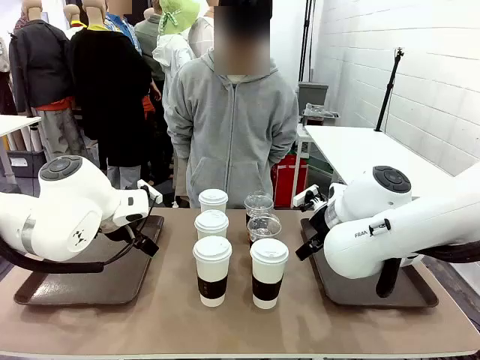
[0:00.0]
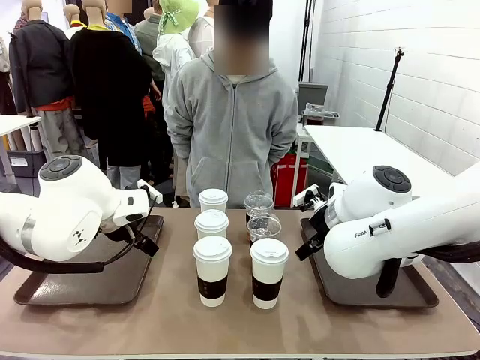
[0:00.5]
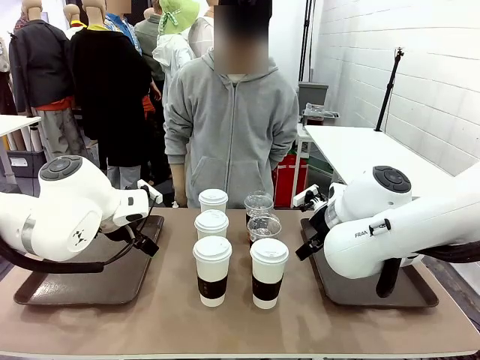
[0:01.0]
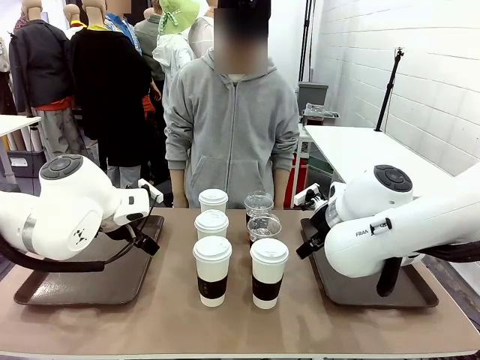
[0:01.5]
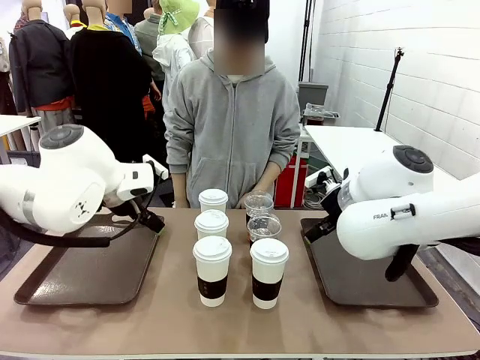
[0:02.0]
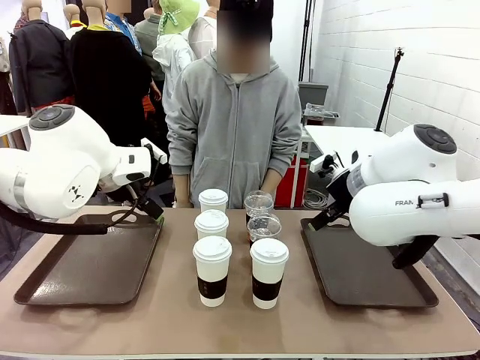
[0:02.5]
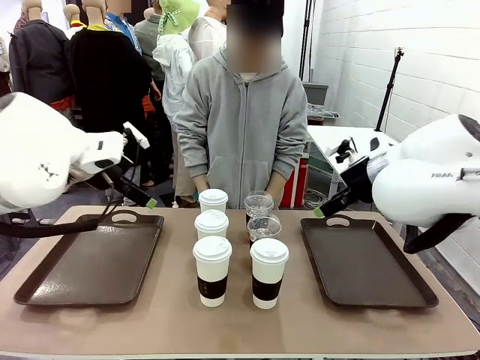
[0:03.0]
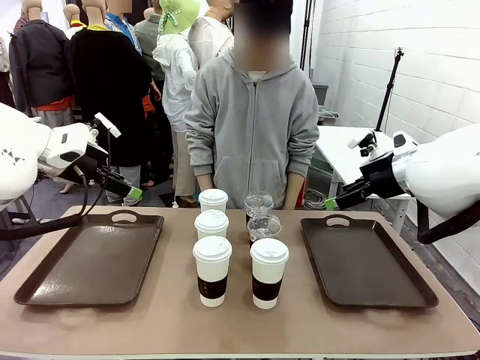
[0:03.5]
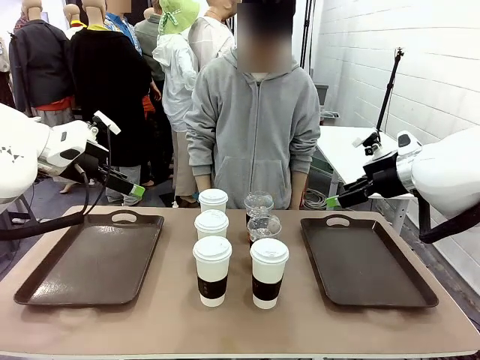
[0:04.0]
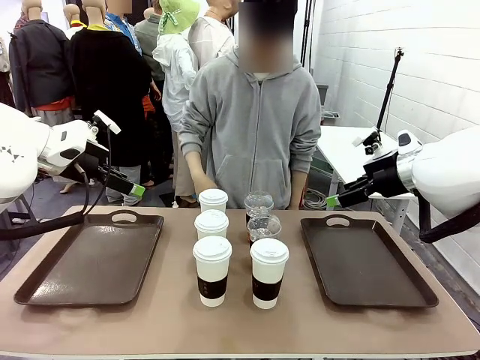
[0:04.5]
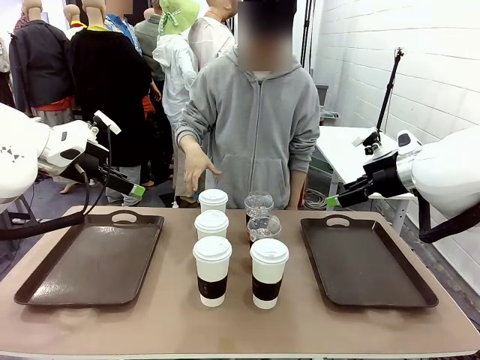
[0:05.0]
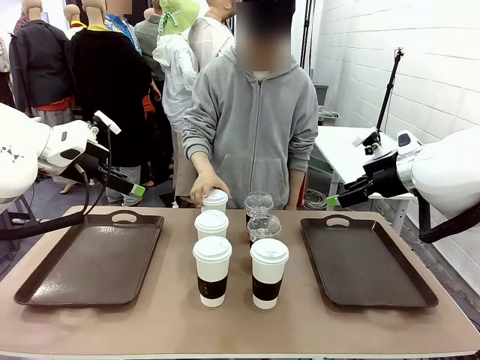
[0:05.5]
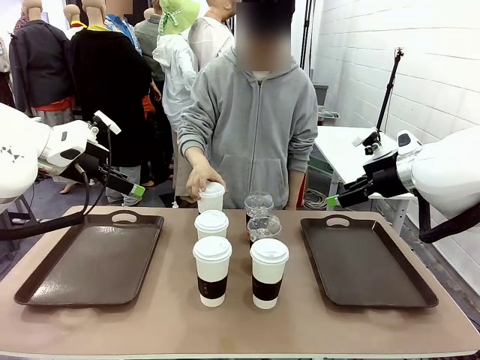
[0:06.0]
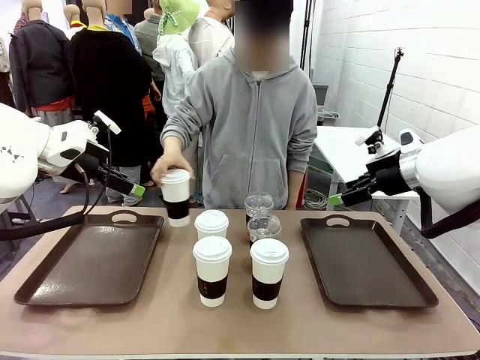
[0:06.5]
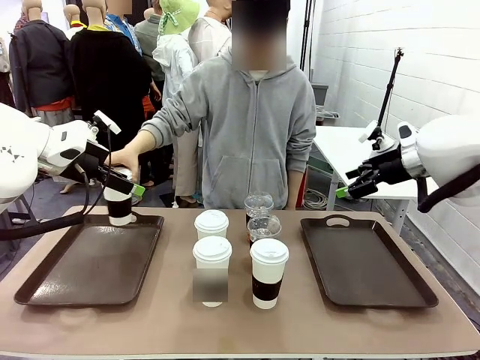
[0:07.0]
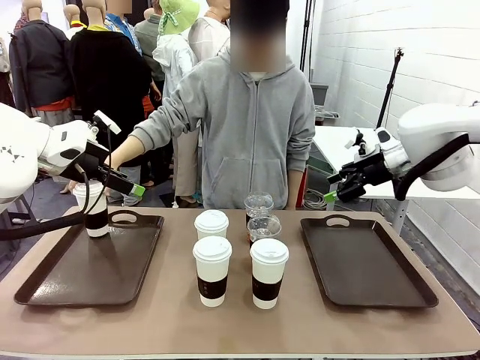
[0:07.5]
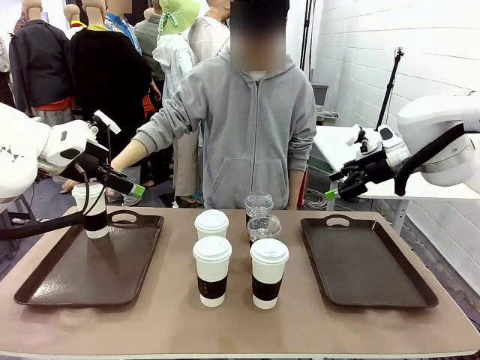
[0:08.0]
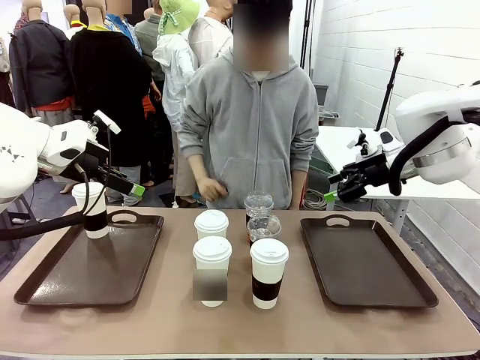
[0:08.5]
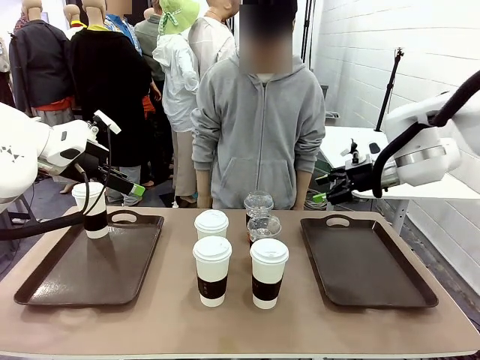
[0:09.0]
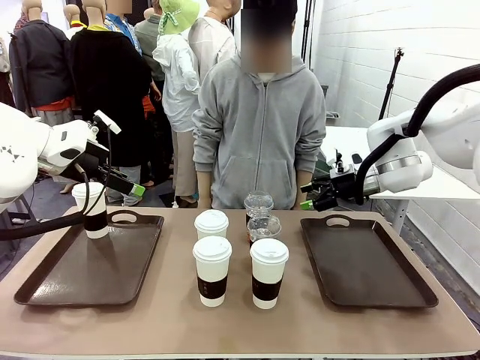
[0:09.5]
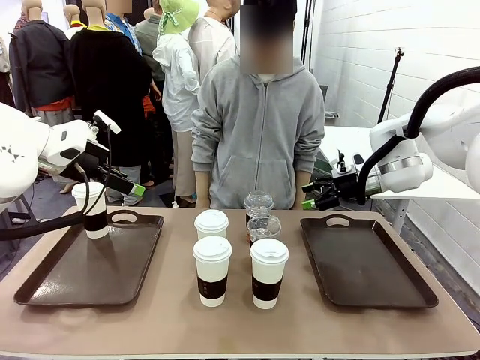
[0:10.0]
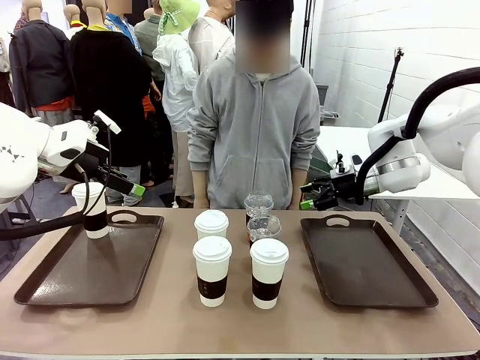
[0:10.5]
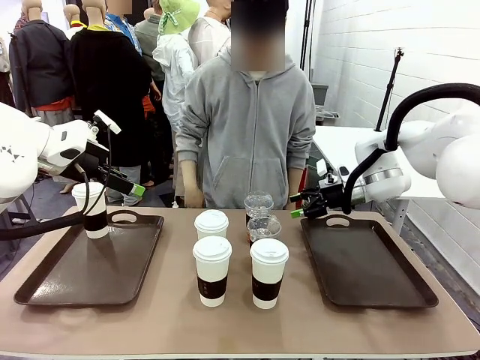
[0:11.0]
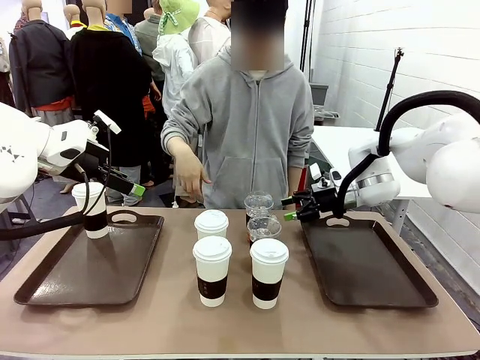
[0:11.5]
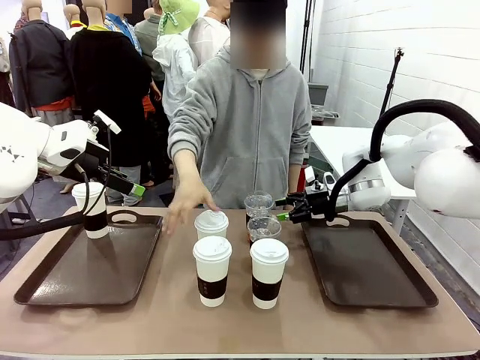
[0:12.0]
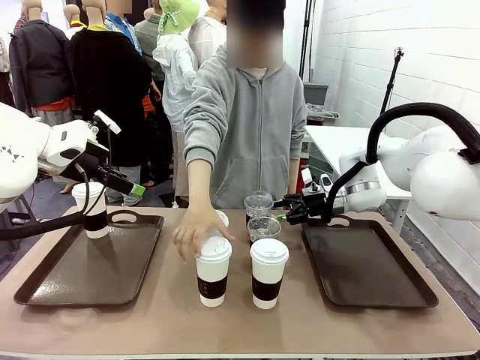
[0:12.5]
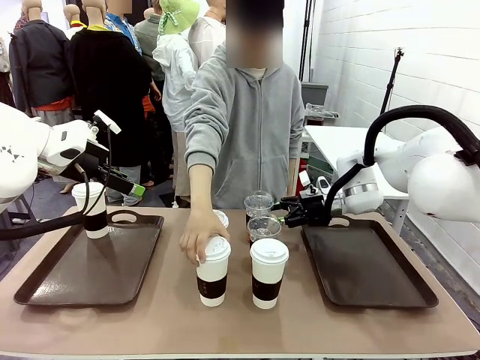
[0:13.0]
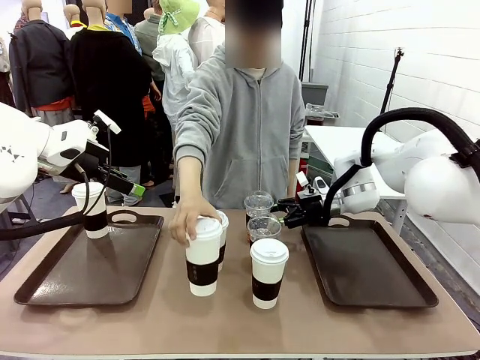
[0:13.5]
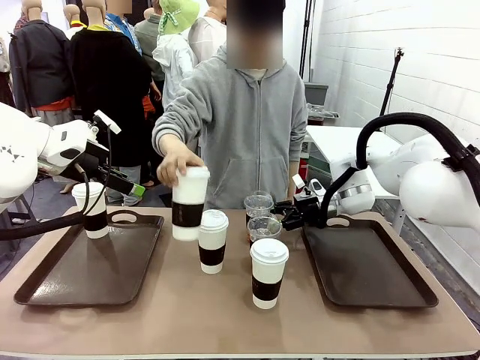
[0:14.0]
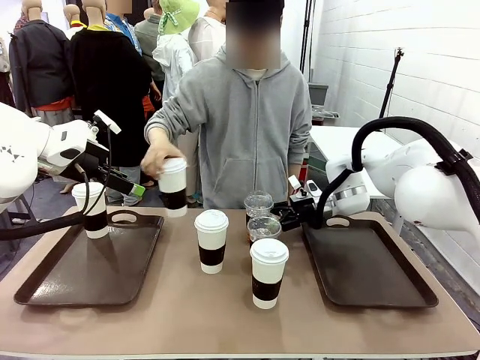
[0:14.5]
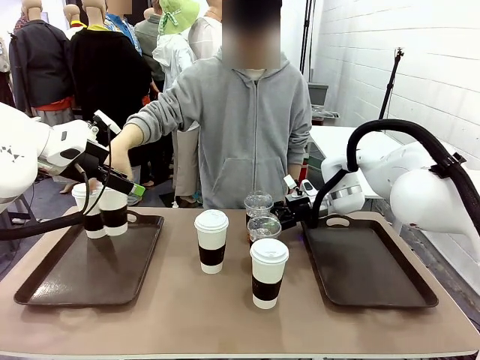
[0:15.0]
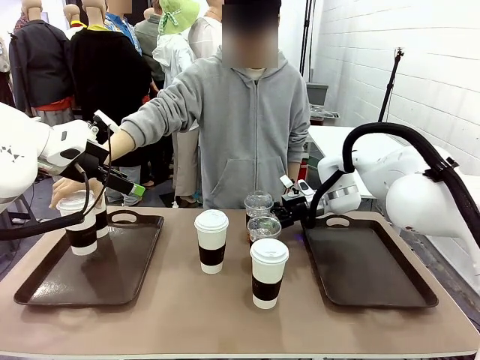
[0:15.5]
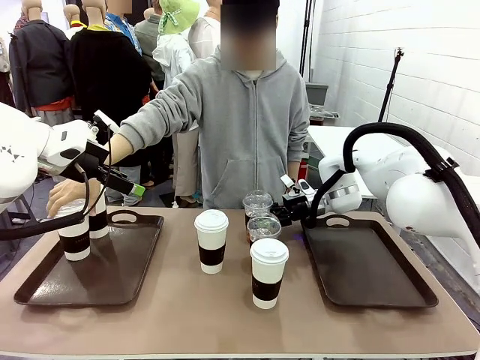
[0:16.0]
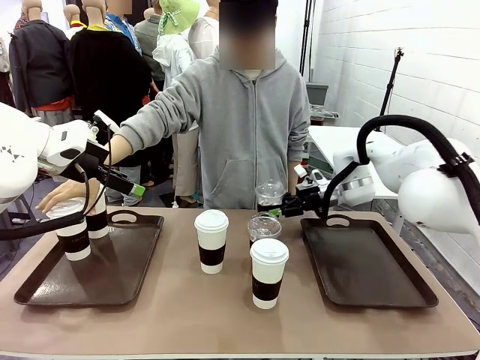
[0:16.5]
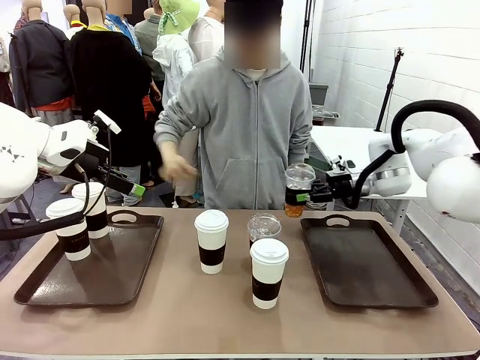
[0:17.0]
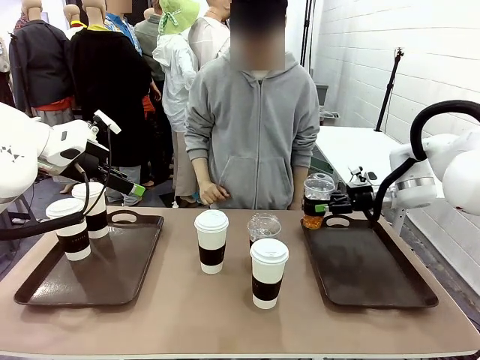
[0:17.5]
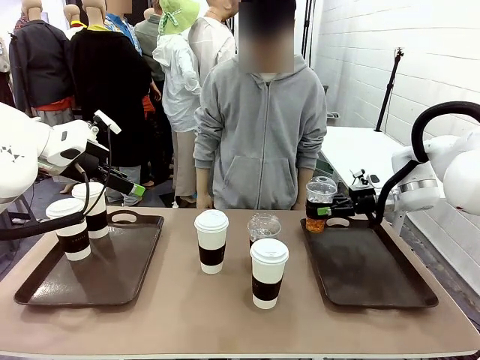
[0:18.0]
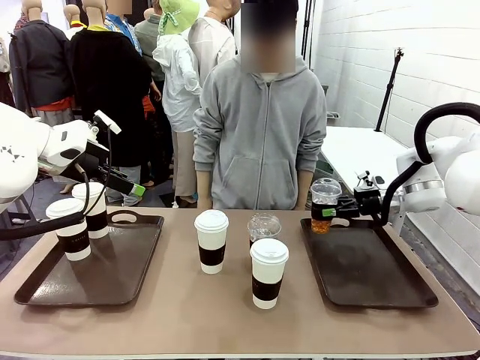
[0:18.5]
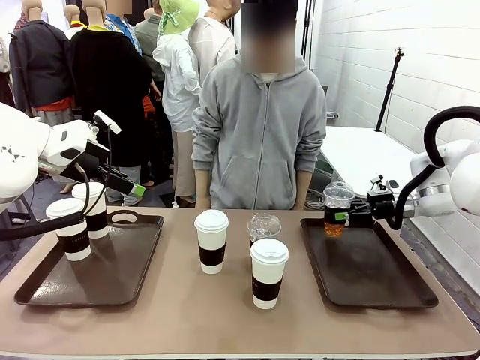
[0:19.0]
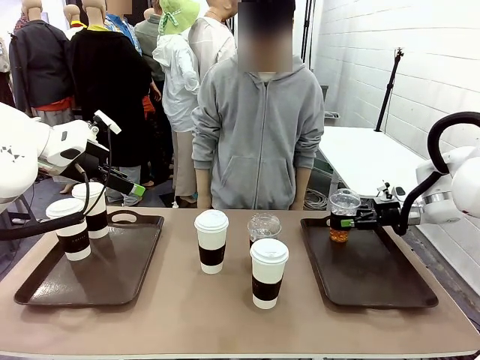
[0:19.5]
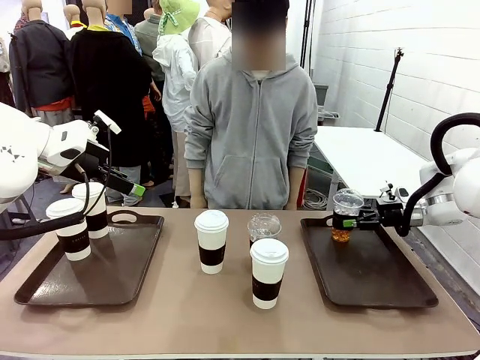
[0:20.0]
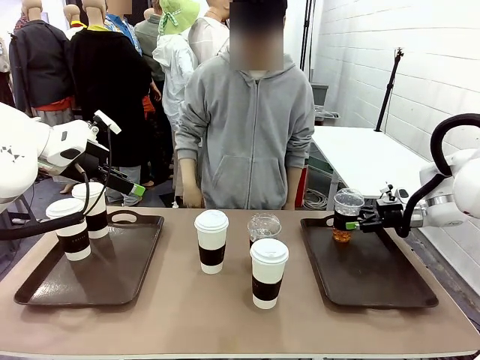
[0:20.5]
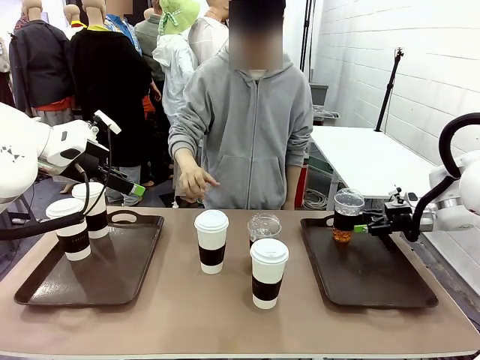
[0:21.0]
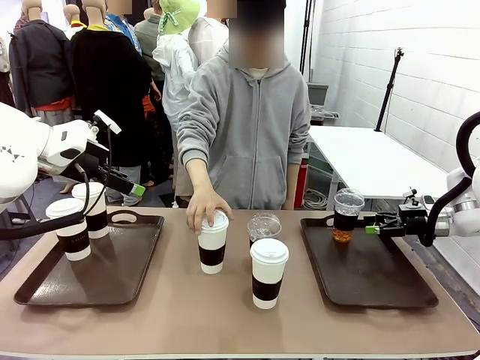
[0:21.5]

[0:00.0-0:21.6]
Task: Distribute the coffee onto the tray.
Robot: Pick up one iced Americano and place it on the right Handle tray.
Person: Pick up a cup of hot Americano and place it on the right tray.
